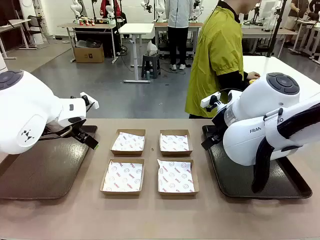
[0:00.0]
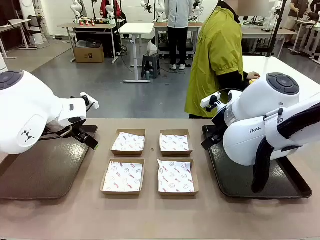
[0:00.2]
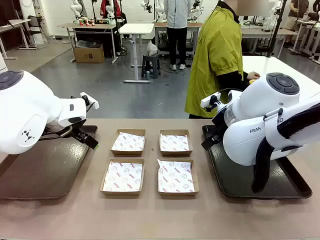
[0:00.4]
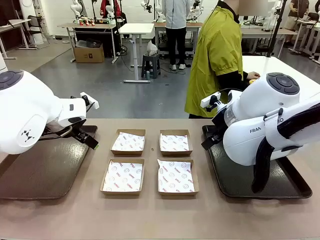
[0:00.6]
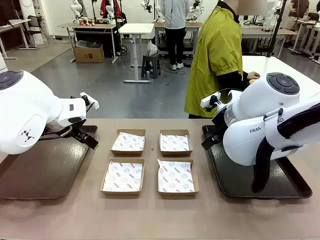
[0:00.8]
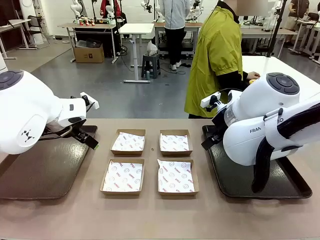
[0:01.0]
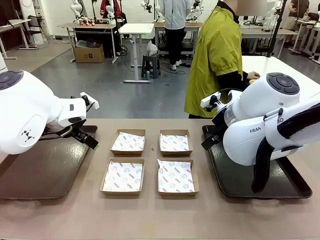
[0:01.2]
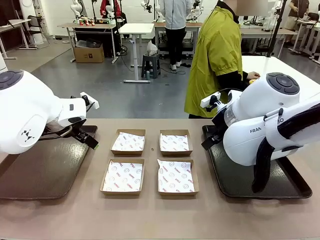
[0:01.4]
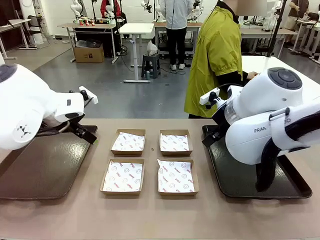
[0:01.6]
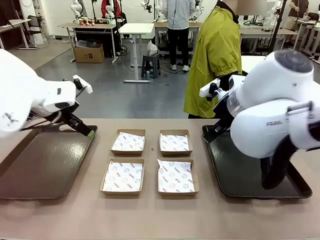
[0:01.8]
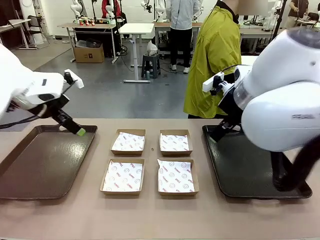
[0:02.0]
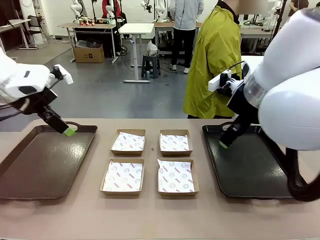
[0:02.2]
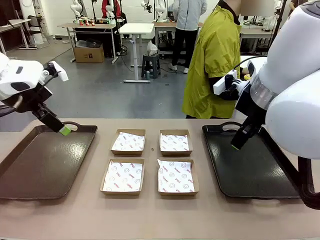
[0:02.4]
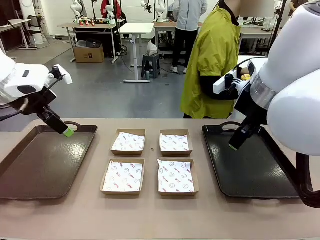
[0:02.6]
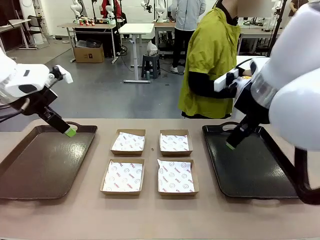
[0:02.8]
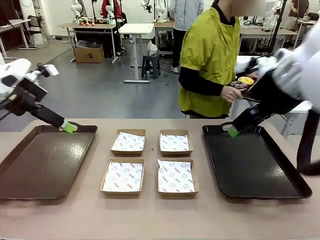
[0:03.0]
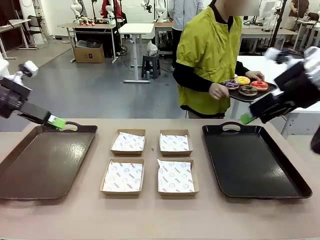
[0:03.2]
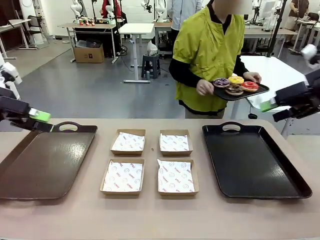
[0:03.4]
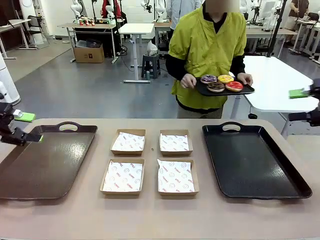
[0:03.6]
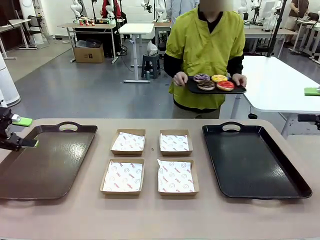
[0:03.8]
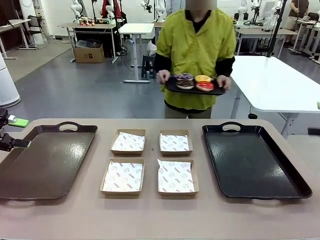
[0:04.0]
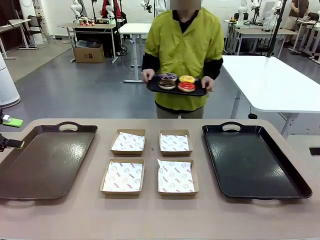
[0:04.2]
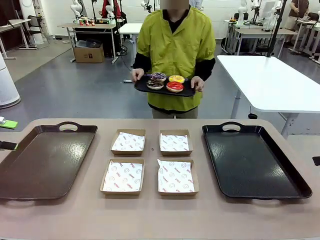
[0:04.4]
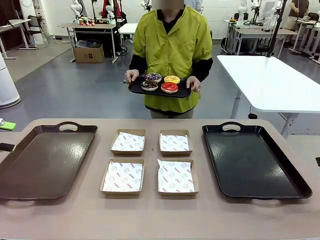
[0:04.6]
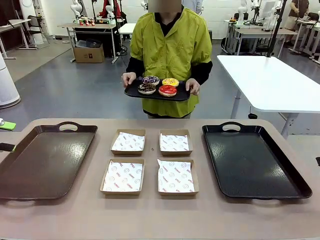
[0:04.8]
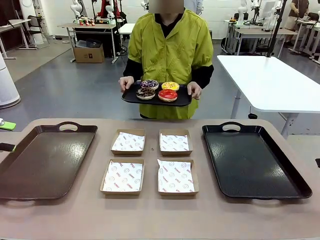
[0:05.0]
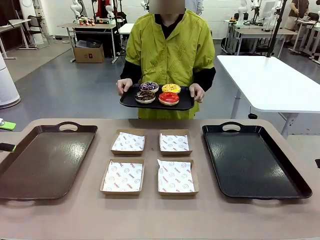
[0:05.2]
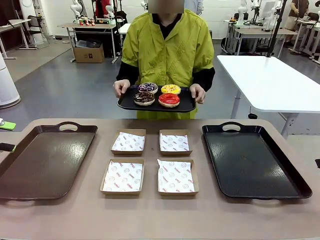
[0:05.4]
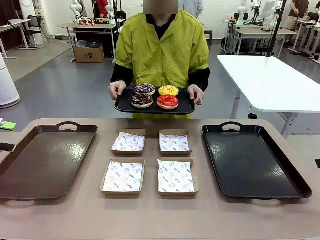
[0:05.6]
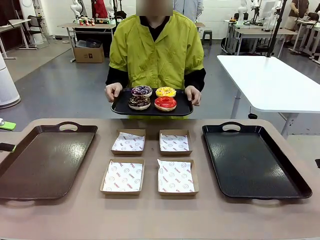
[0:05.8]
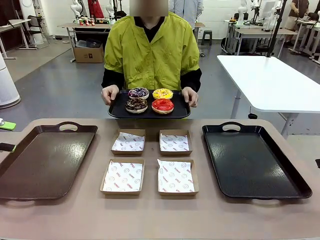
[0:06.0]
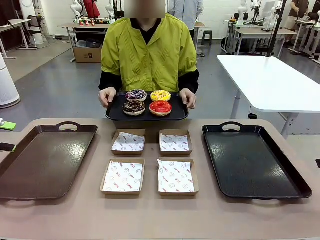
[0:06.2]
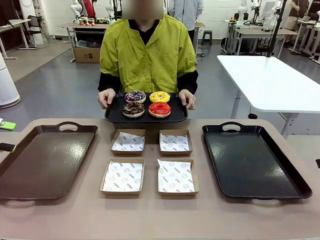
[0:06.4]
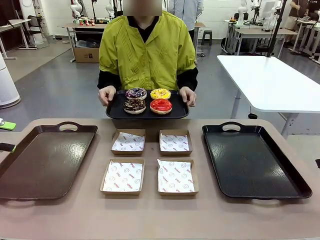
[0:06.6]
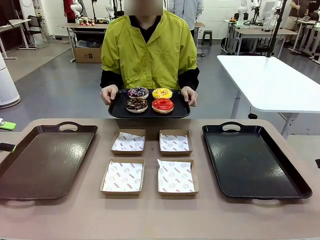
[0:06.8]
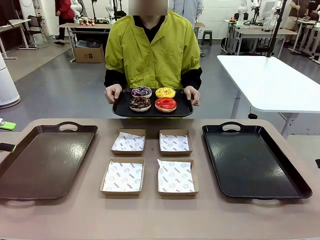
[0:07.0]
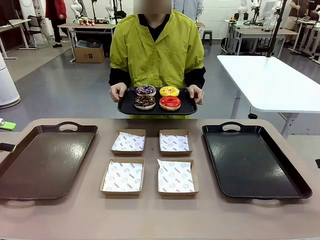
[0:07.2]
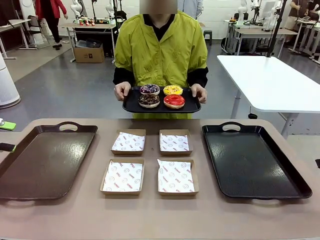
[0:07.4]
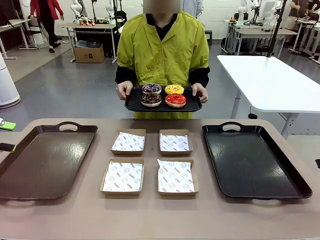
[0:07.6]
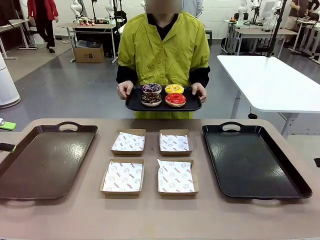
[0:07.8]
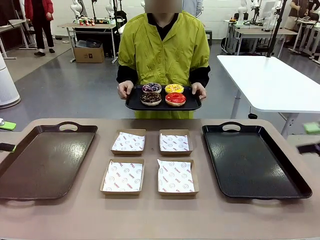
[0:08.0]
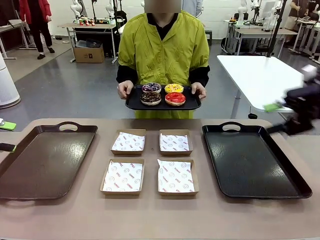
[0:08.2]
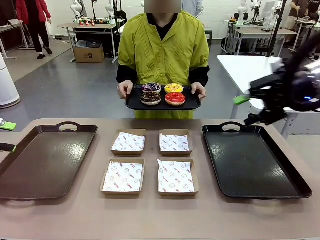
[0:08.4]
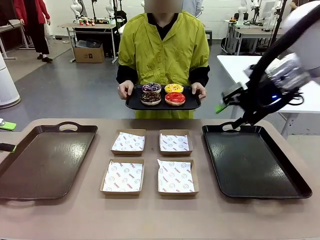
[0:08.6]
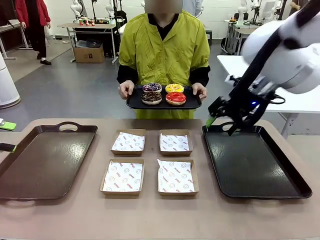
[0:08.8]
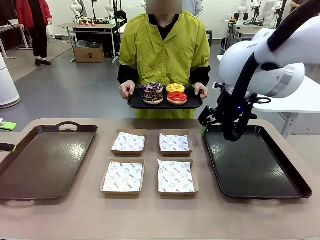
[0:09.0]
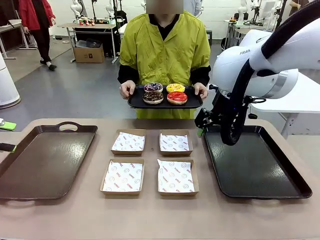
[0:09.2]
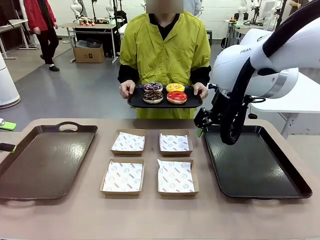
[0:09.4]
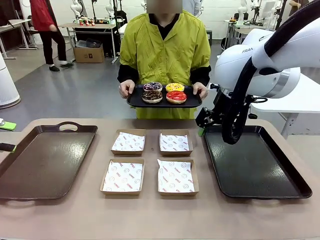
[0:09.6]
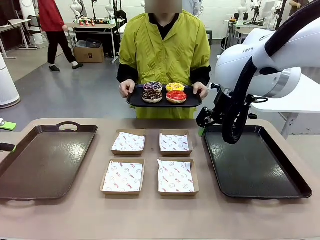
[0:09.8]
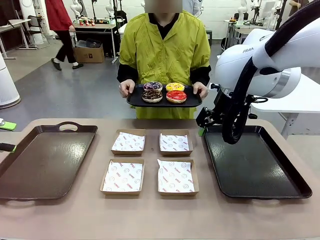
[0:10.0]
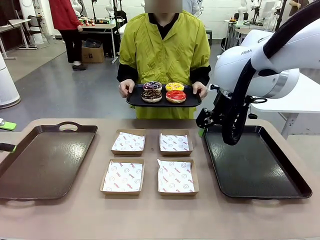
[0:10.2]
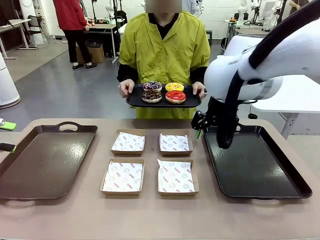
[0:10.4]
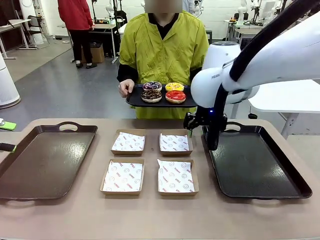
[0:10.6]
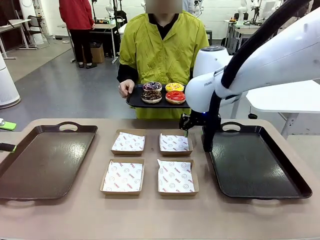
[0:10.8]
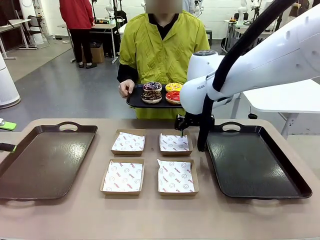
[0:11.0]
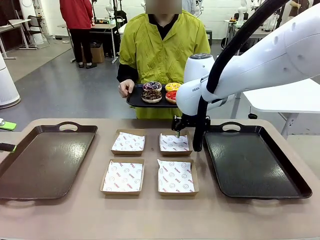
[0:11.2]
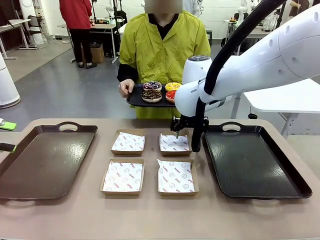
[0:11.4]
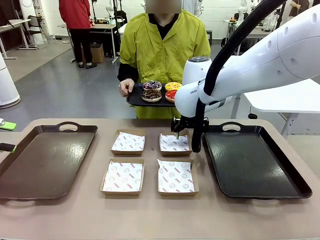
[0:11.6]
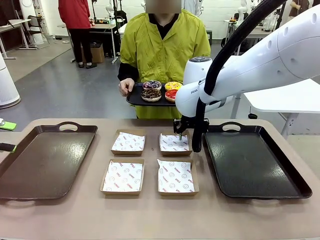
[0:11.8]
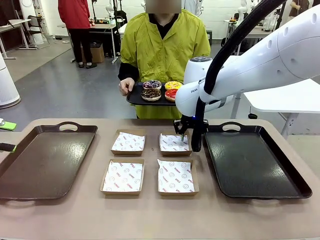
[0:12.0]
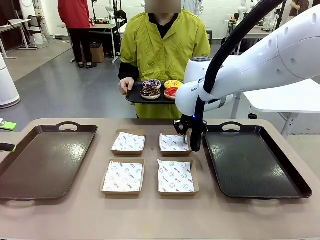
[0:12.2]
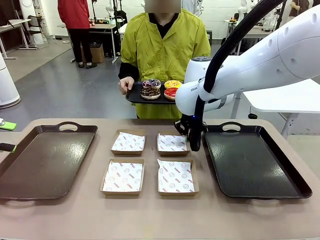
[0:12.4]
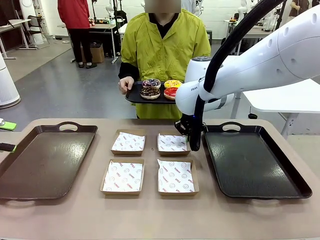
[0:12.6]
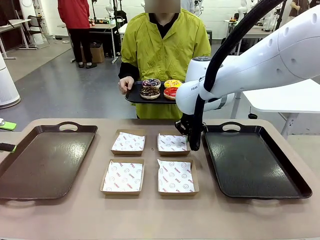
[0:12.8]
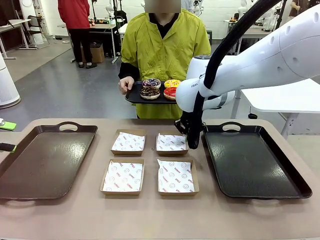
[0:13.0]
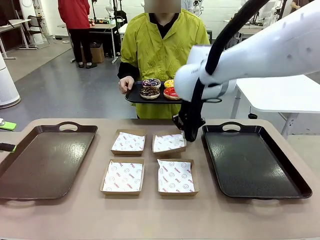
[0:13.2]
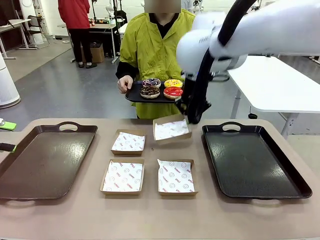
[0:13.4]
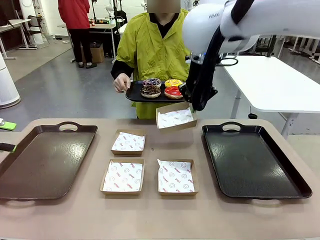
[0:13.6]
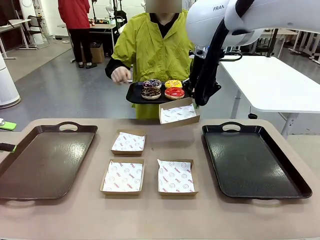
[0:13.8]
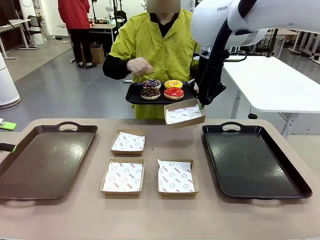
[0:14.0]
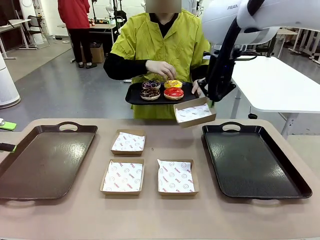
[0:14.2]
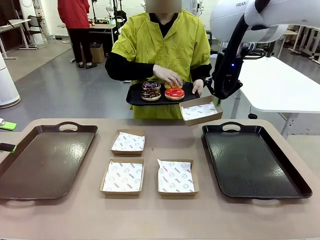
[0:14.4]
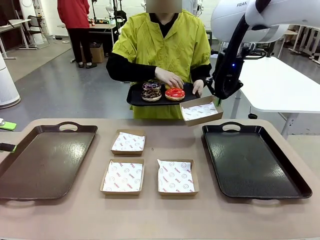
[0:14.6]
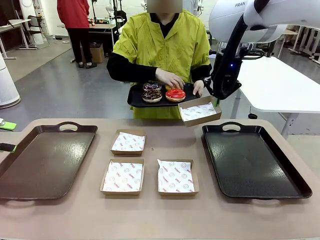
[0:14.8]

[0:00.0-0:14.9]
Task: Individually package the donuts and arrange them on the tray.
Robot: Pick up one Paper togo box.
Person: Stand in front of the robot table holding the tray containing the donuts.
